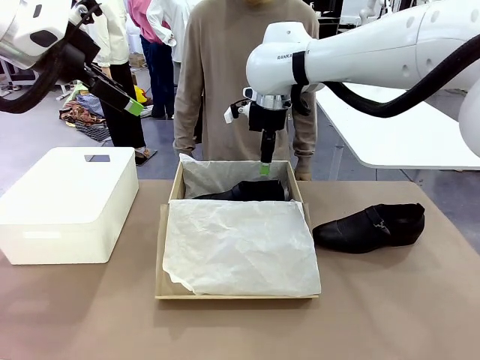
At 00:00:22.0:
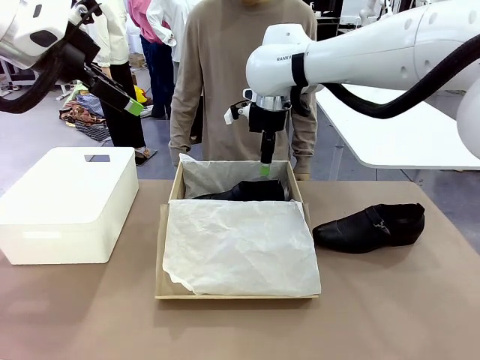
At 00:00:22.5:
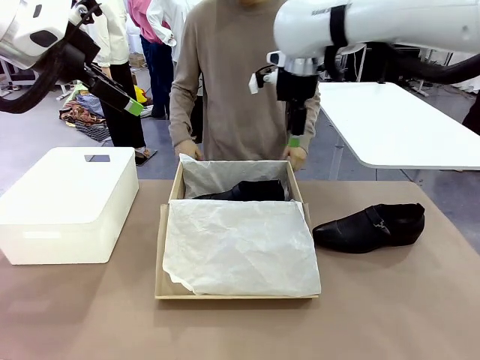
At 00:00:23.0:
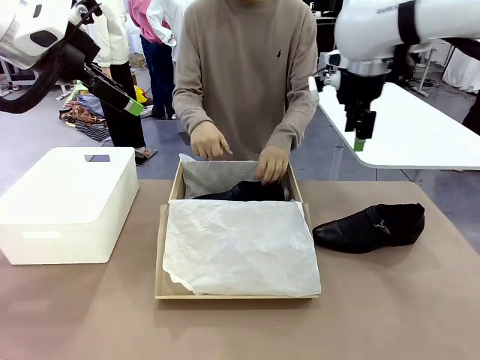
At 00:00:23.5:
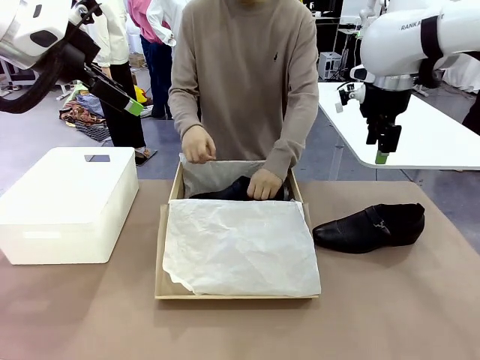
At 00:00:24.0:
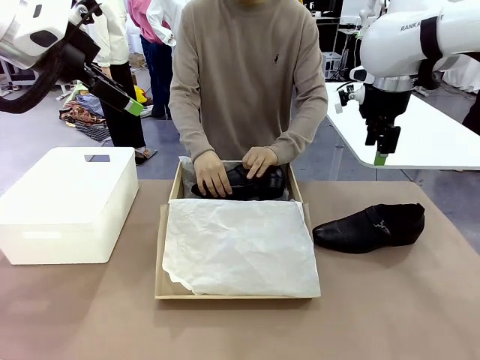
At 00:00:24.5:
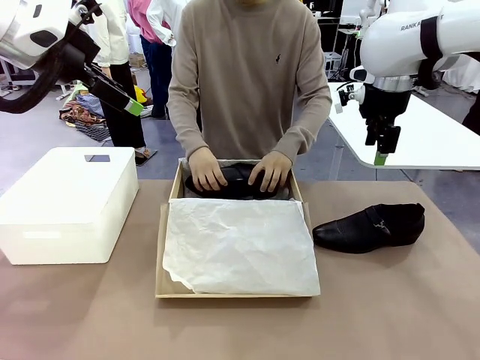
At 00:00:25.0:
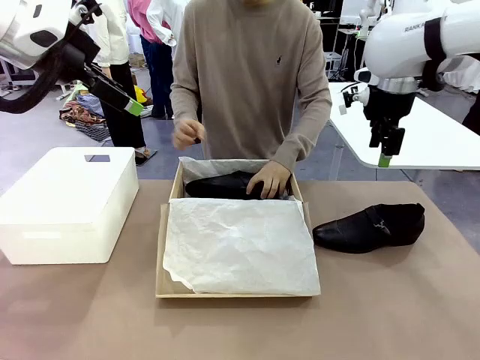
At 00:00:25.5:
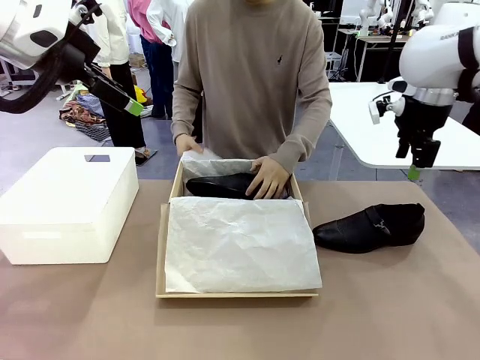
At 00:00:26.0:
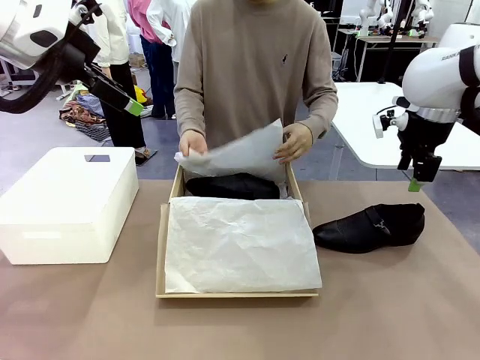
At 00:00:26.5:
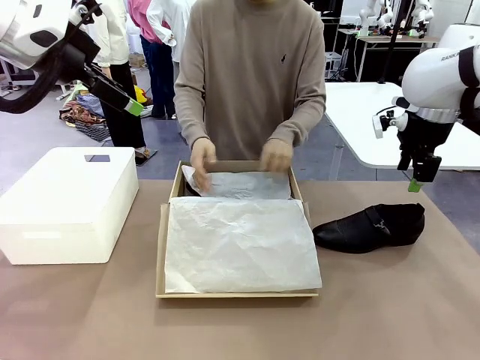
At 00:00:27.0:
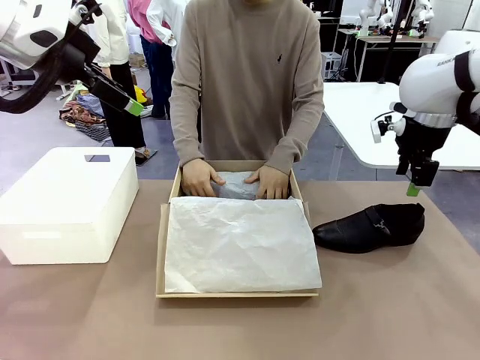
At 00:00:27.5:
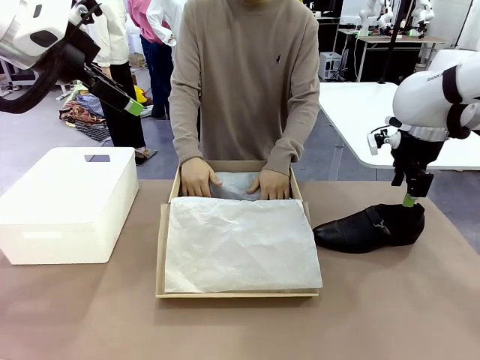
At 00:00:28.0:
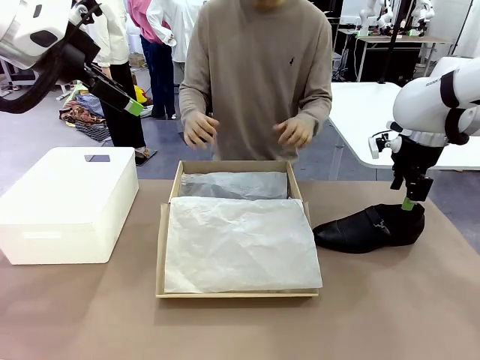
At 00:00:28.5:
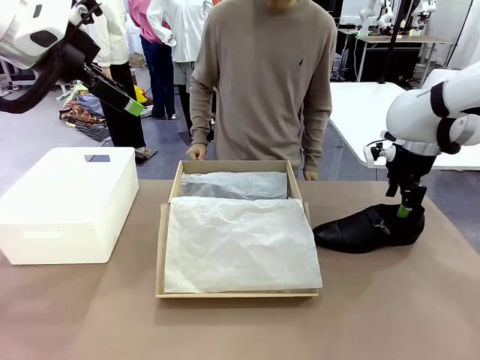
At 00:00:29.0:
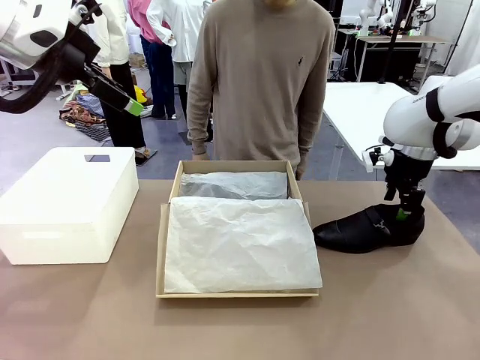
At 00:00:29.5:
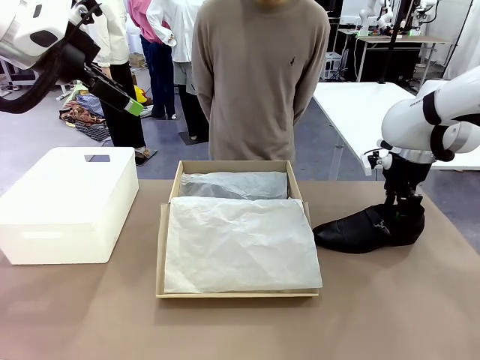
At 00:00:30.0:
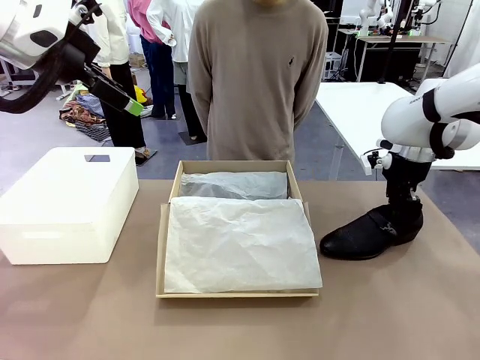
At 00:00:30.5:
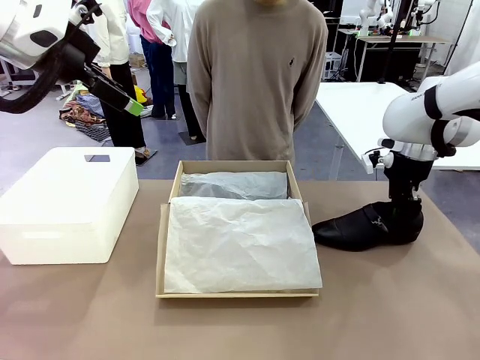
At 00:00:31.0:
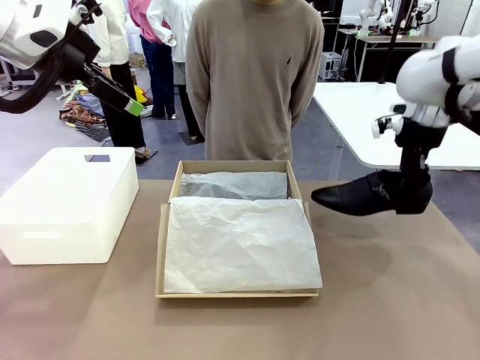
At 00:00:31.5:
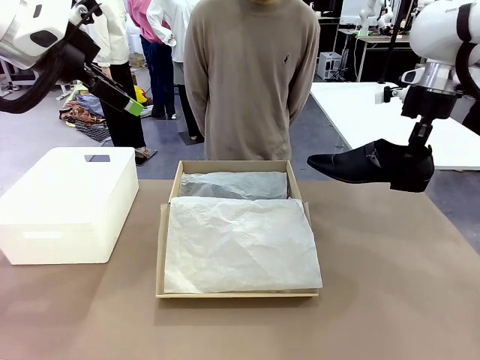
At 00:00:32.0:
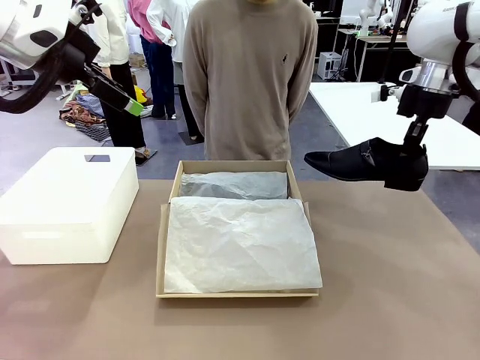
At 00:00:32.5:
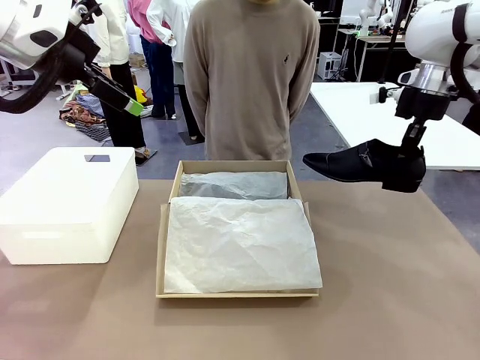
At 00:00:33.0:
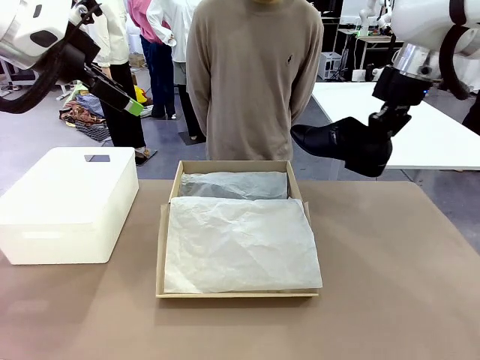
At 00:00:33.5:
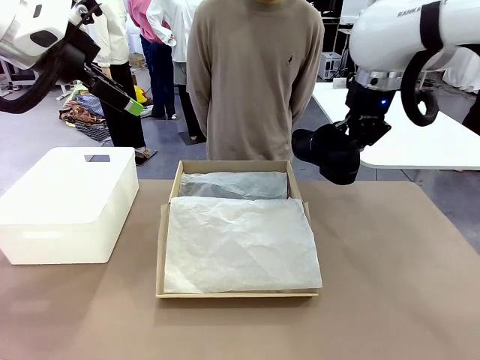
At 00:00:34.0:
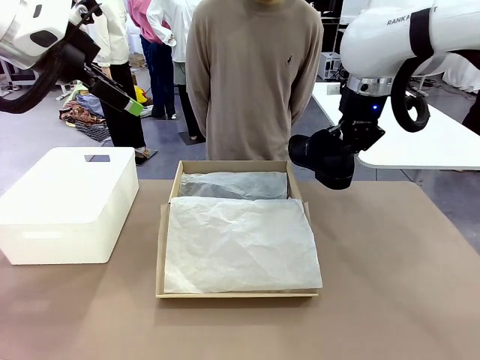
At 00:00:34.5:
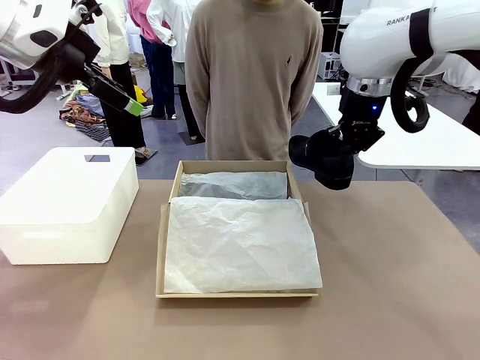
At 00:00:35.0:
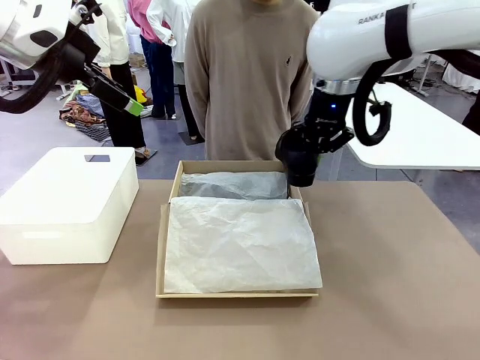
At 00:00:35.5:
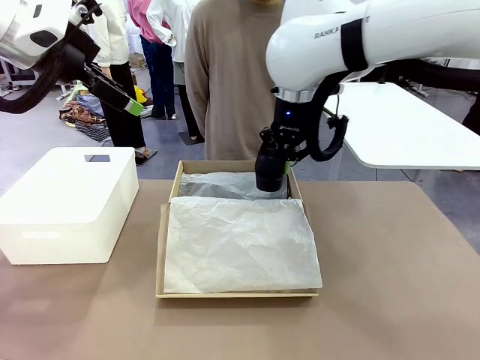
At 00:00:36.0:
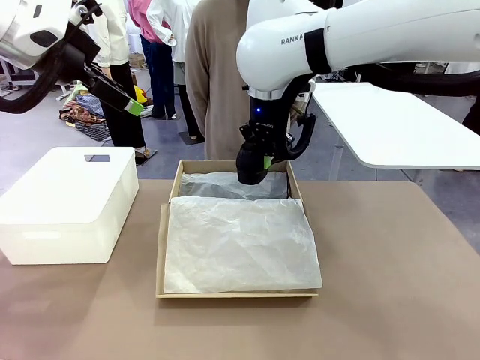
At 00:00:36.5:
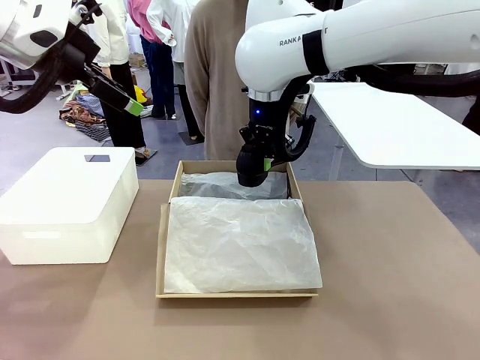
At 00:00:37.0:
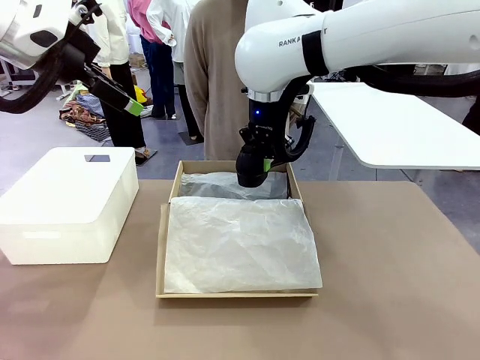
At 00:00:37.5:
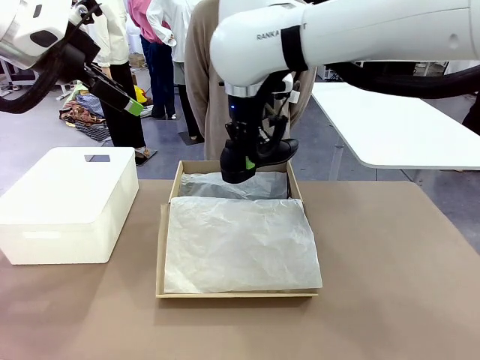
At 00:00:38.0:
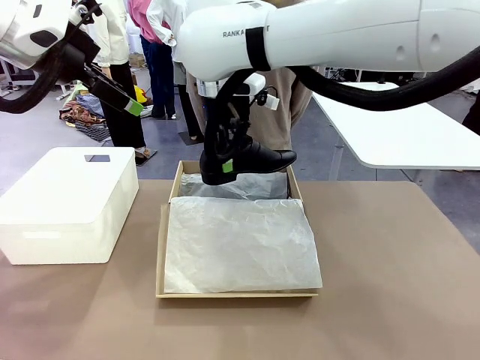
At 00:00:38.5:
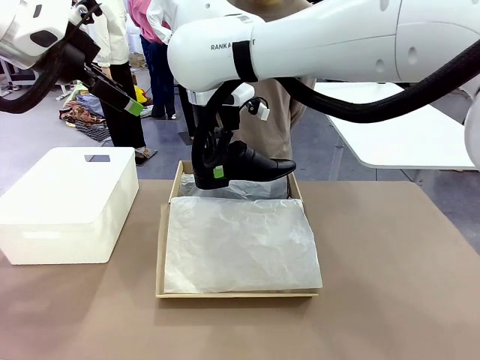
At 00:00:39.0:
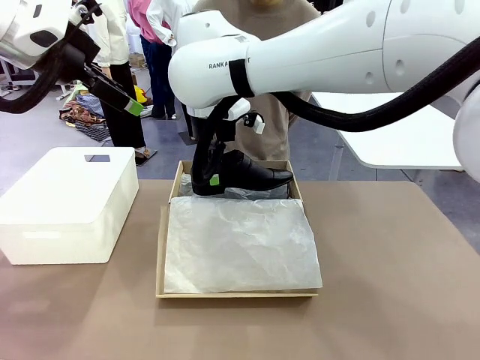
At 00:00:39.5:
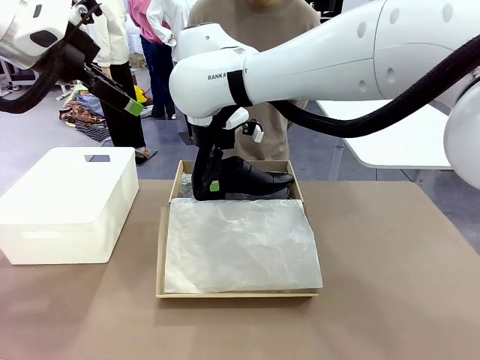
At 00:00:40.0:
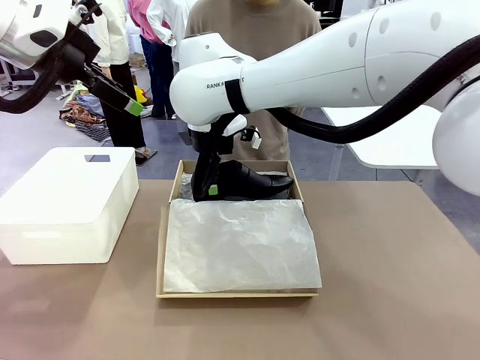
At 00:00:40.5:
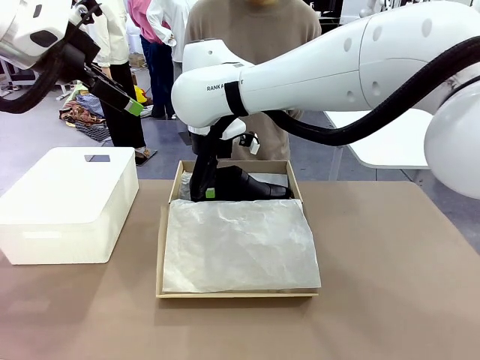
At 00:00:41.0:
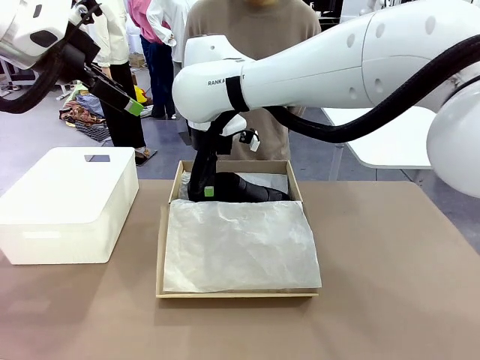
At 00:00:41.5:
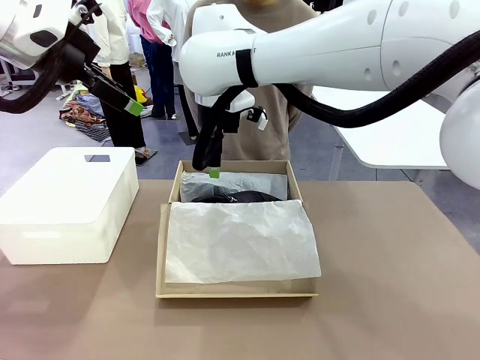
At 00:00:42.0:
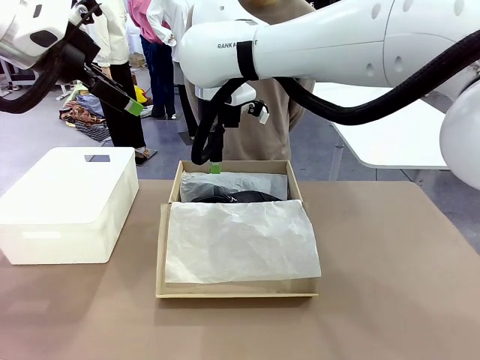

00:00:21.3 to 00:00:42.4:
Task: Pack the shoes into the box.
Robot: Place the other shoe of the Shoes into the Shoes Box.
Person: Pack a shoe of Shoes inside the Shoes Box with Shoes Wrapping Paper.
